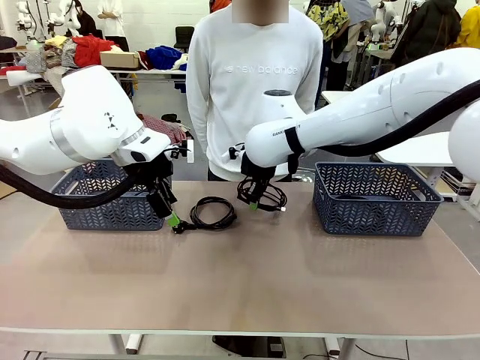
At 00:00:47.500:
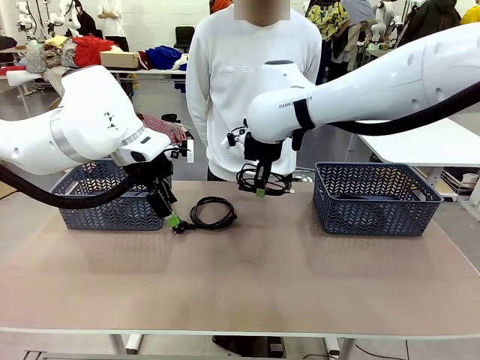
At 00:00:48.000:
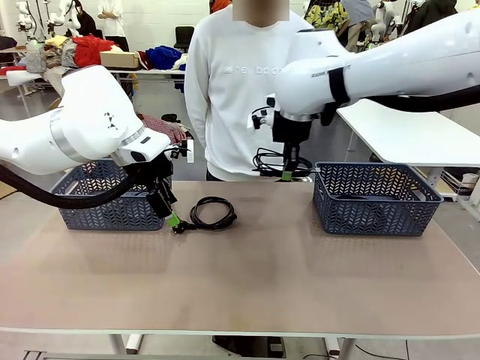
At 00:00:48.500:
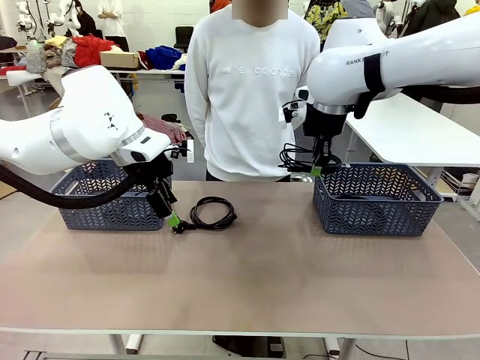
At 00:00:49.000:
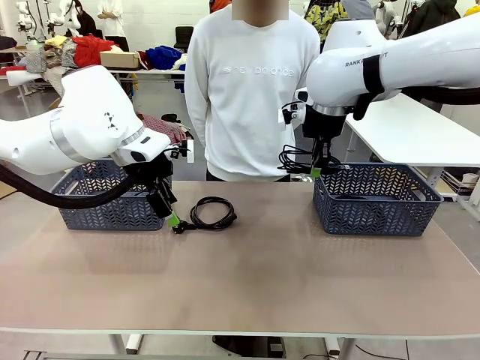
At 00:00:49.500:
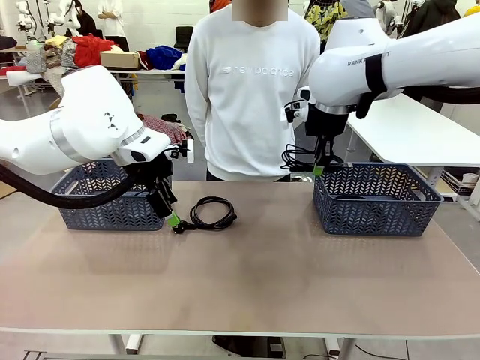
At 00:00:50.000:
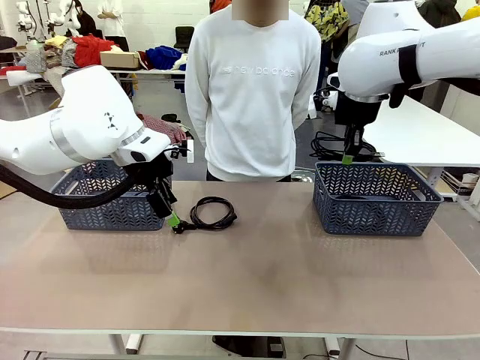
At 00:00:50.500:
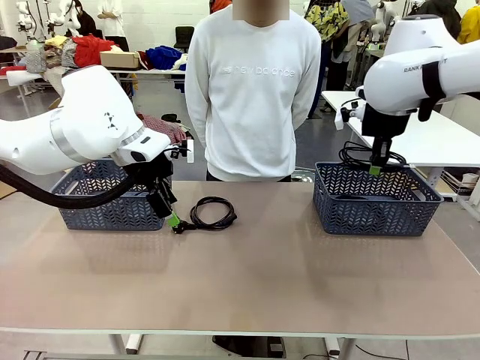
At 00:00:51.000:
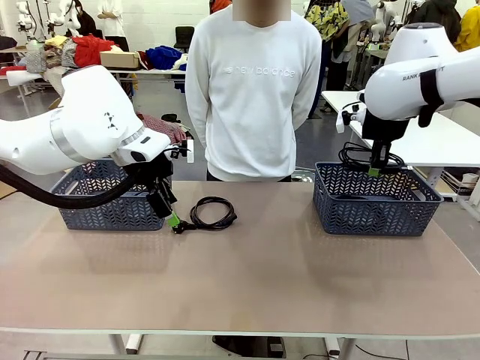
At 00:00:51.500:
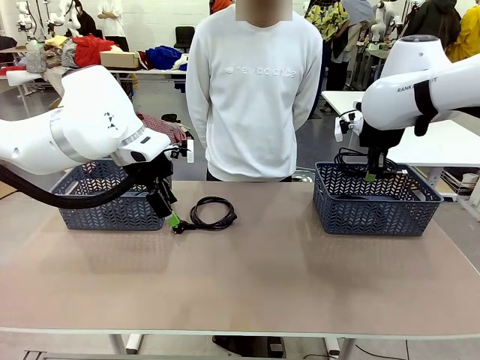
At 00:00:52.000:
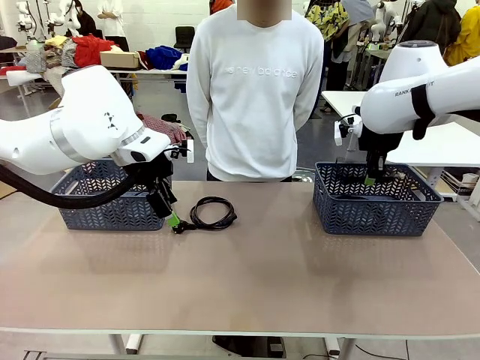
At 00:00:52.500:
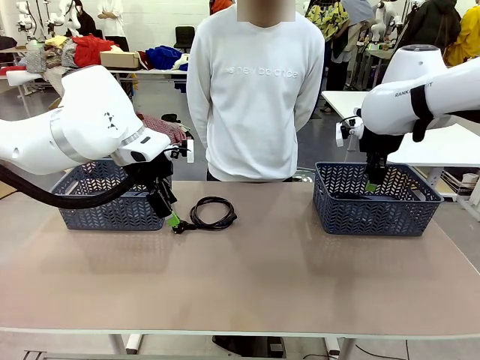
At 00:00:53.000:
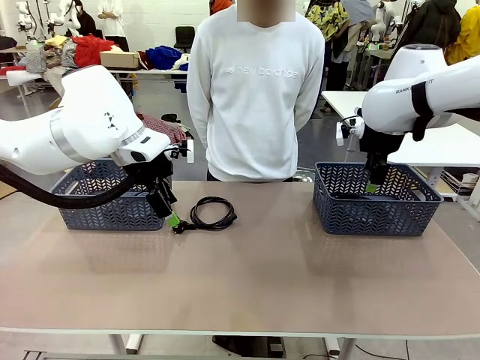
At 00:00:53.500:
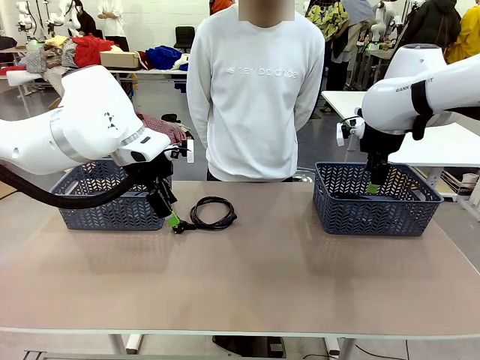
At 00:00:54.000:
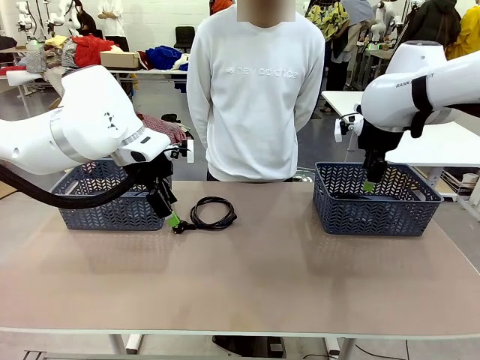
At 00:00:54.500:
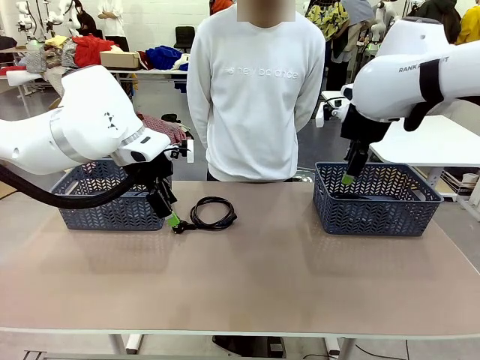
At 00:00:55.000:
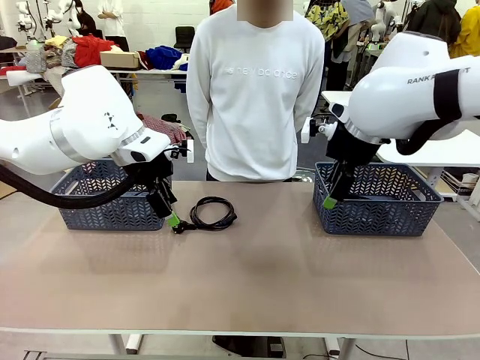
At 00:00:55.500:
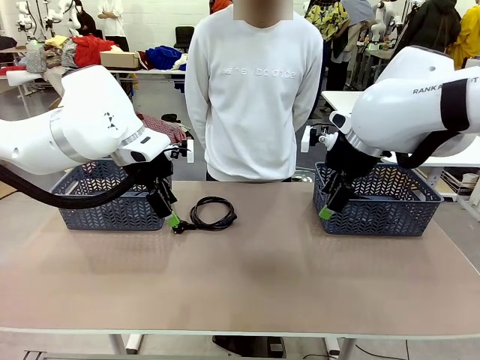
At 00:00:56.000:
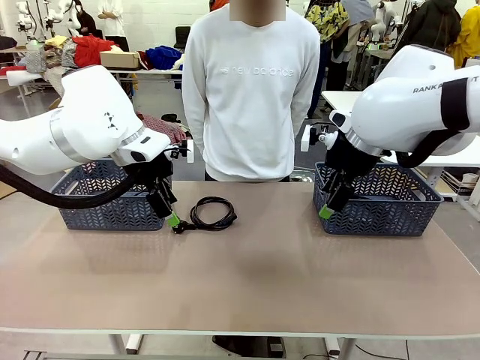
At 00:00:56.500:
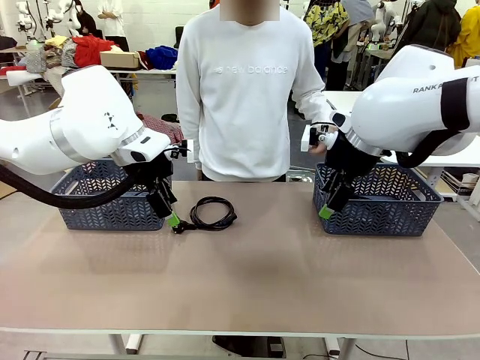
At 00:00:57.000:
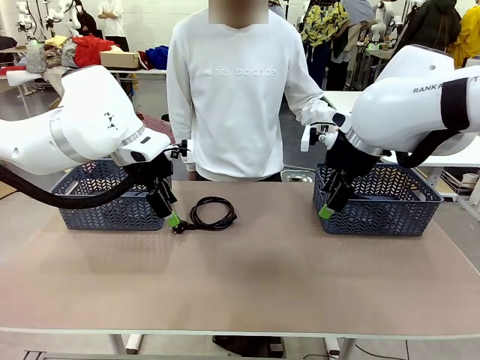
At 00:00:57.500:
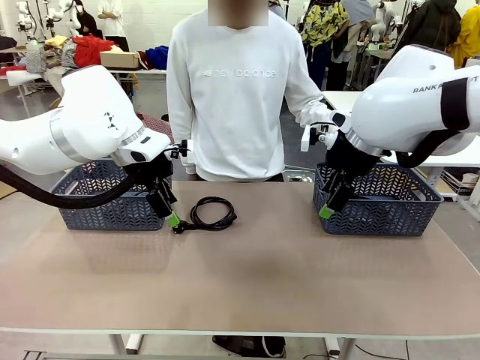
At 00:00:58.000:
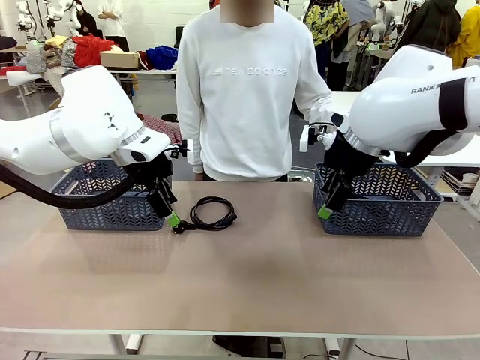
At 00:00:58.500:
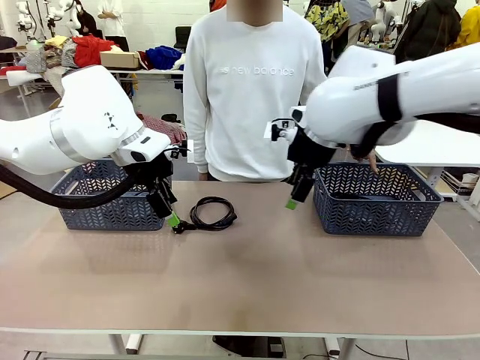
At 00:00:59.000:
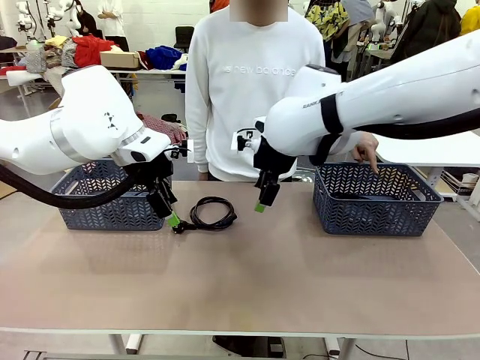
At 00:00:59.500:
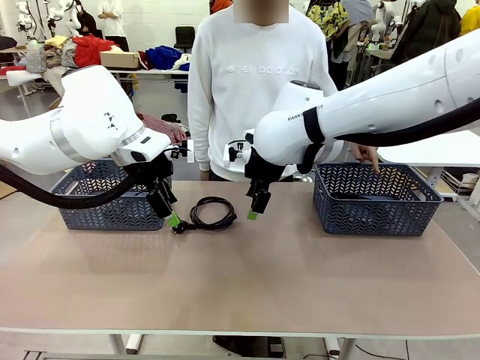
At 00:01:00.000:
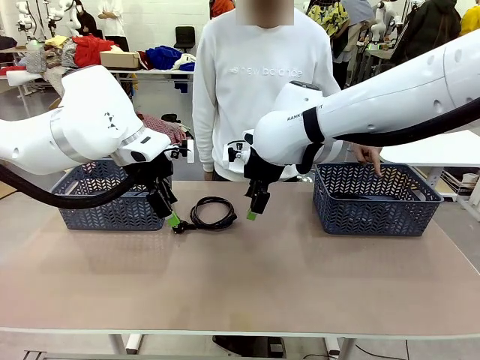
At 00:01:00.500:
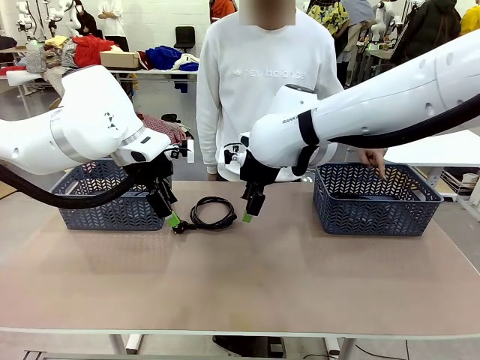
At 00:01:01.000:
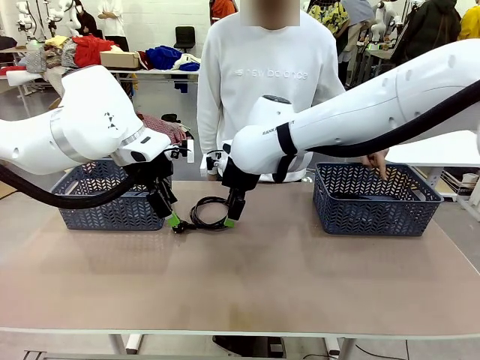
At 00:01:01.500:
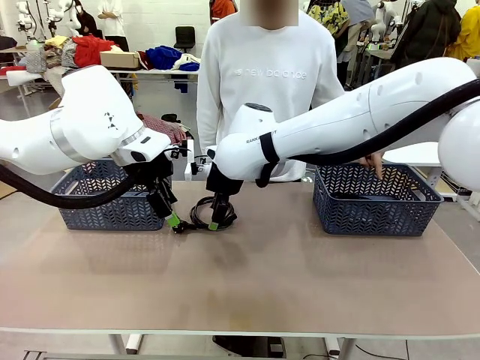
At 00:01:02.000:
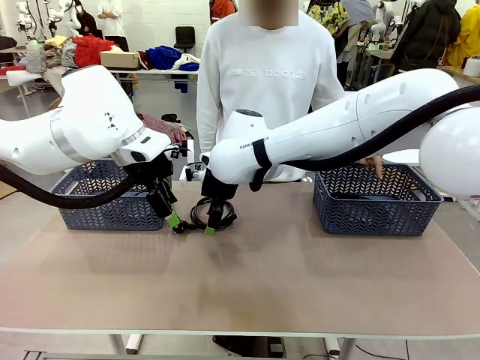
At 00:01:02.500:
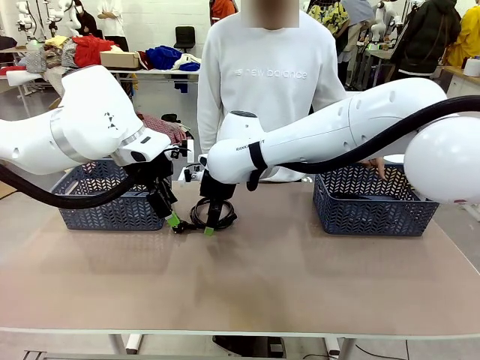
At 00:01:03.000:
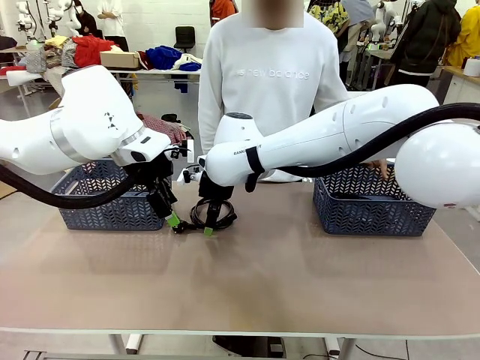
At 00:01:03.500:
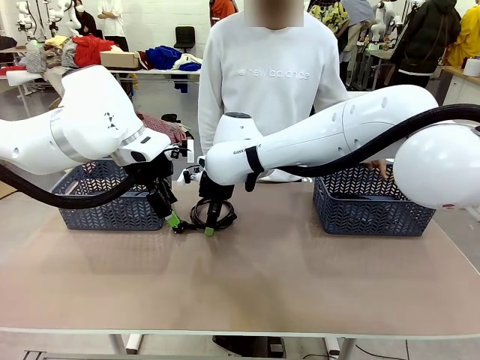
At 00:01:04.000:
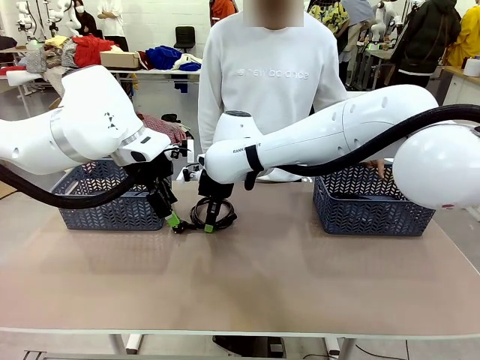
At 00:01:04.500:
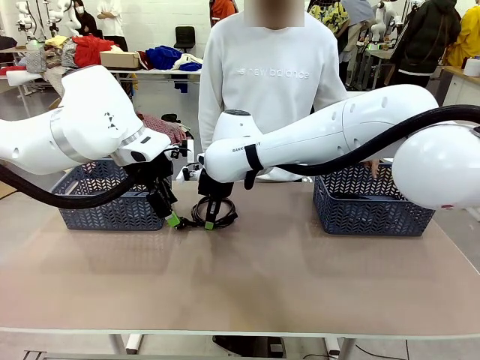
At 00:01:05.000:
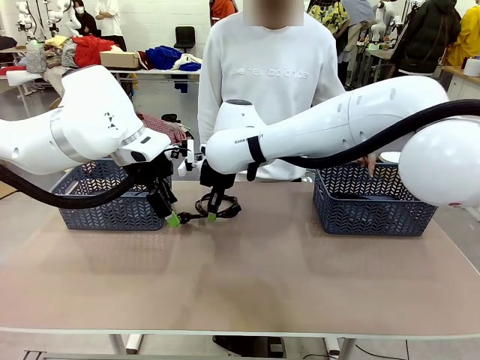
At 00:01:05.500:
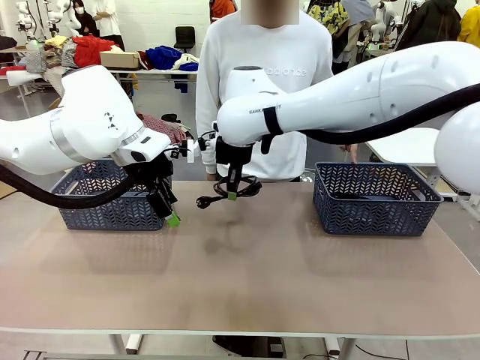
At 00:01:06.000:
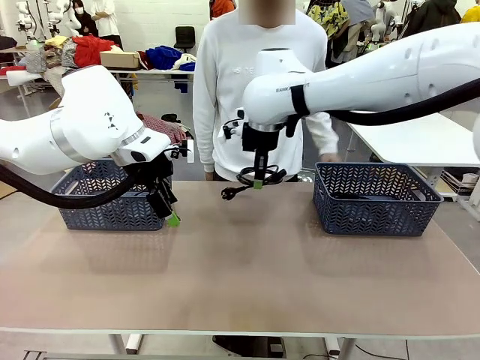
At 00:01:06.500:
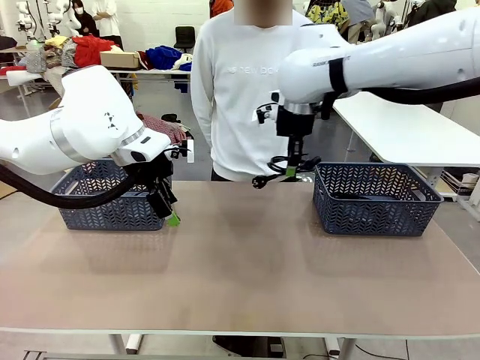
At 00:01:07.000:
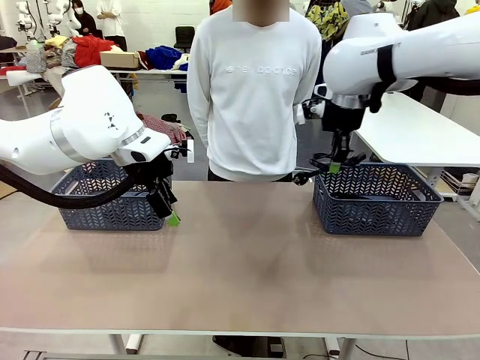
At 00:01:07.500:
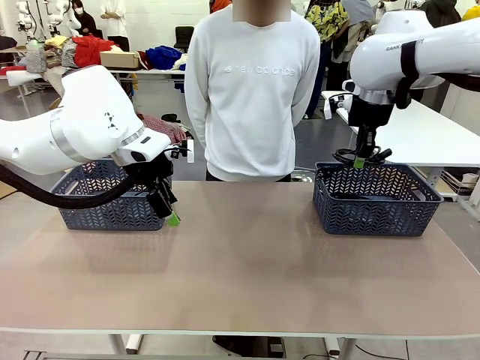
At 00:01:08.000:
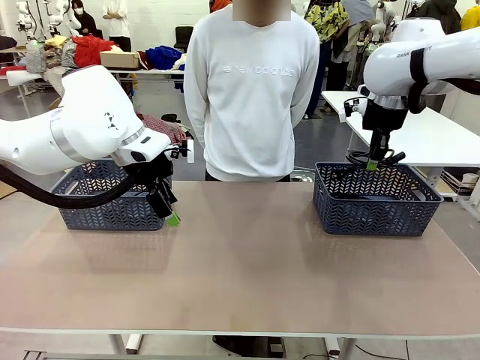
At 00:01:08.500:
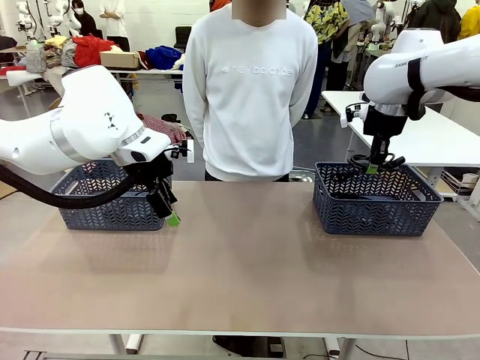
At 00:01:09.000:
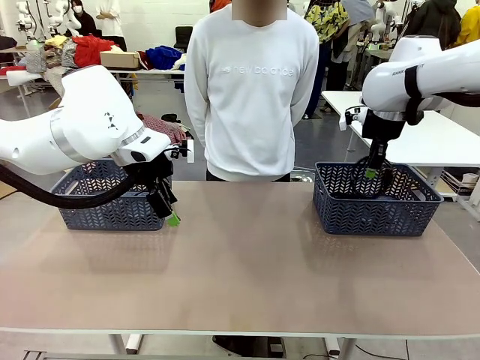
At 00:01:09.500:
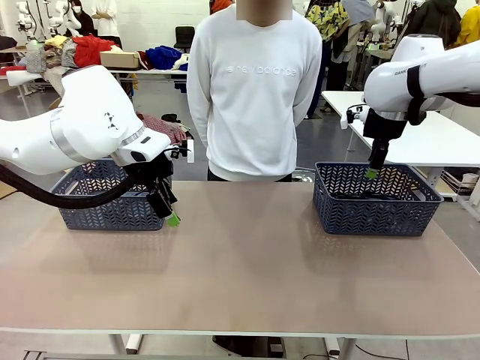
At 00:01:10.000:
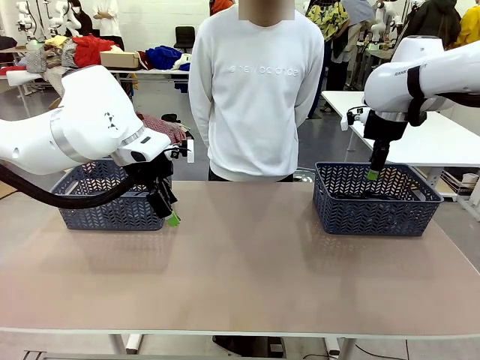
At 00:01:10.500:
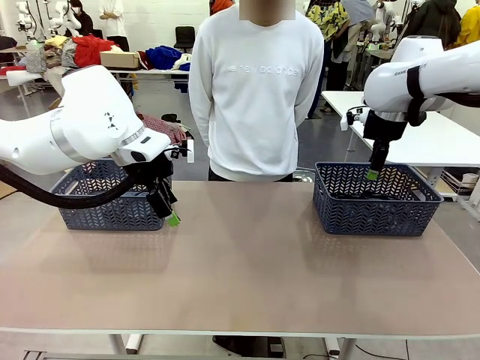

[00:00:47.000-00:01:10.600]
Task: Organize the cables according to human instructions.
Robot: Pick up a bundle of cables and place it in the basket indicated by the human.
